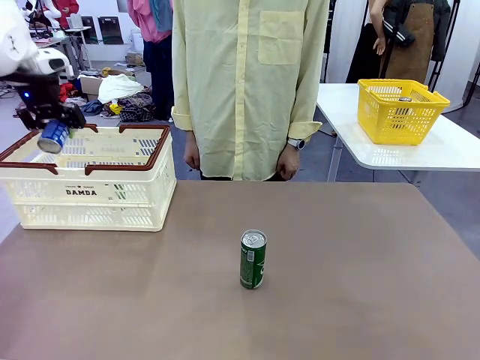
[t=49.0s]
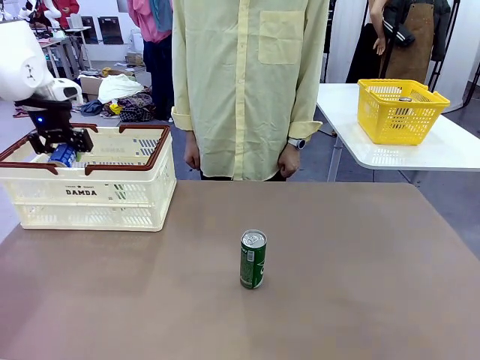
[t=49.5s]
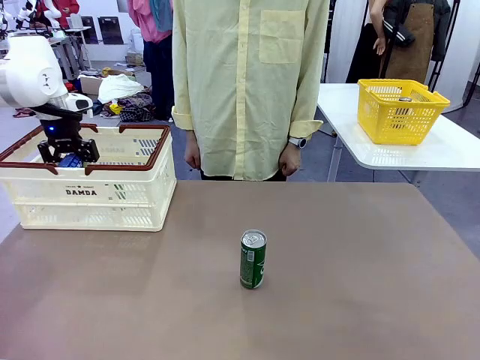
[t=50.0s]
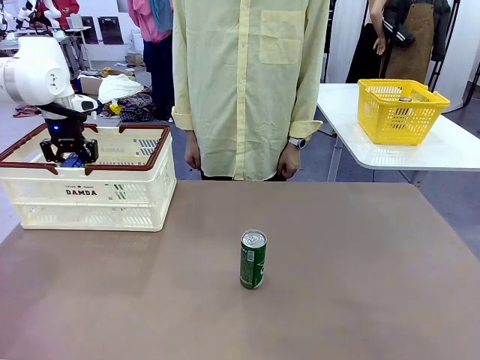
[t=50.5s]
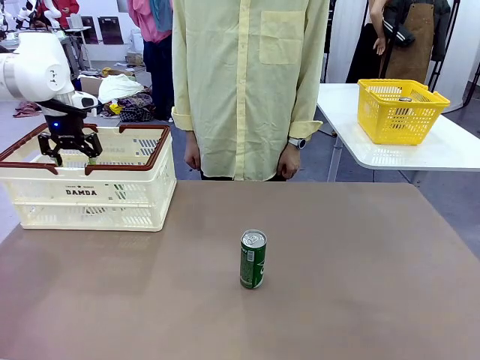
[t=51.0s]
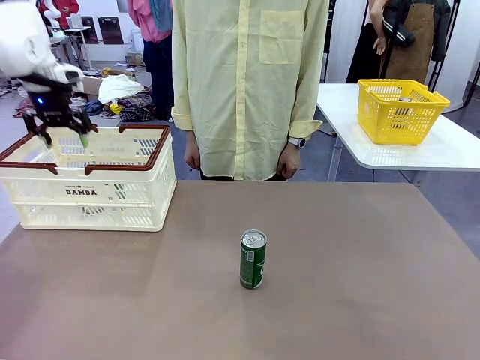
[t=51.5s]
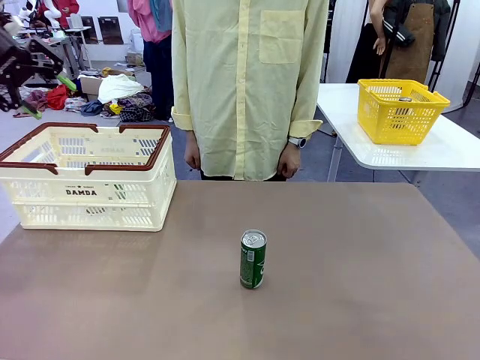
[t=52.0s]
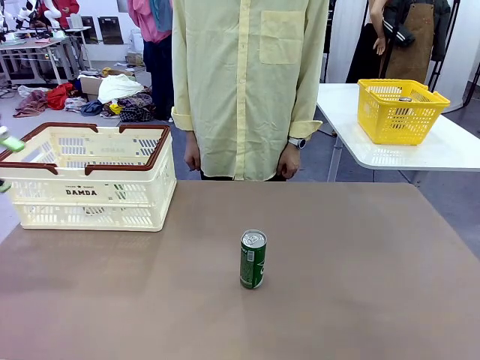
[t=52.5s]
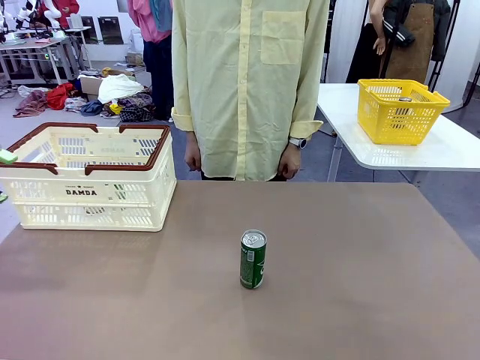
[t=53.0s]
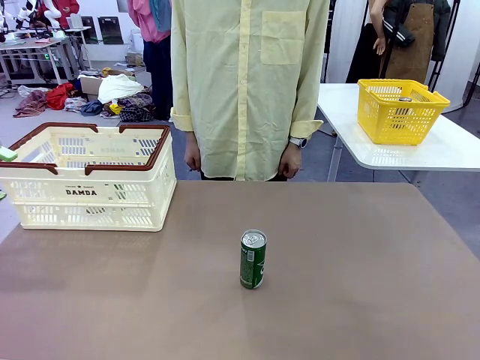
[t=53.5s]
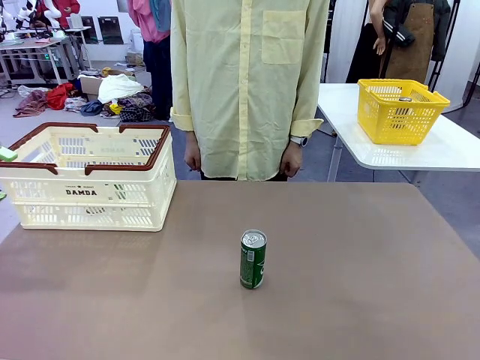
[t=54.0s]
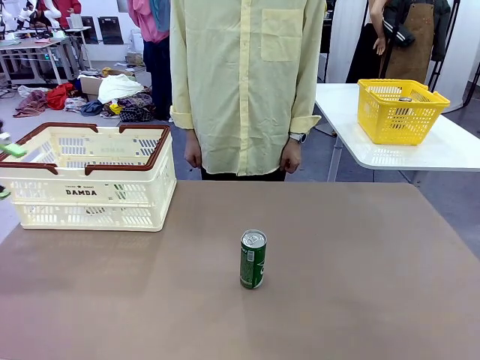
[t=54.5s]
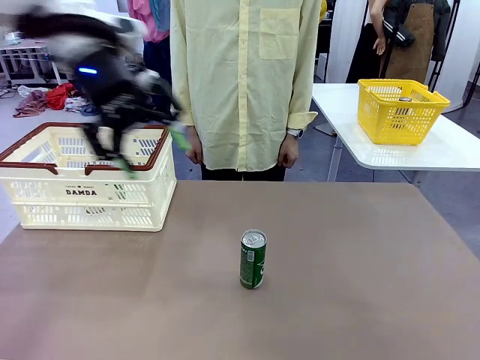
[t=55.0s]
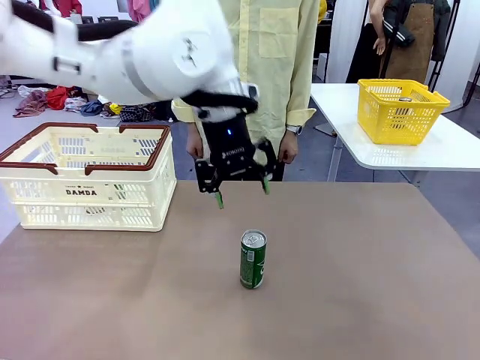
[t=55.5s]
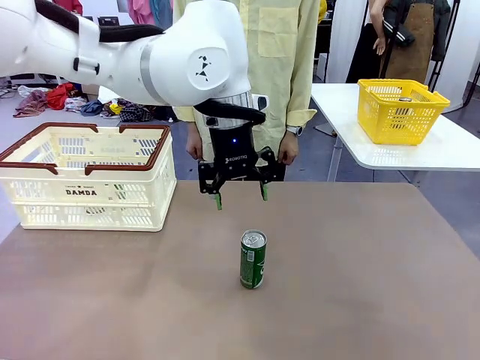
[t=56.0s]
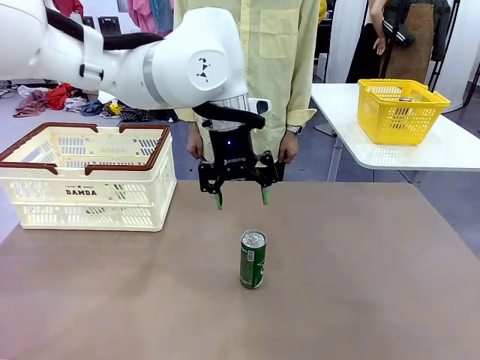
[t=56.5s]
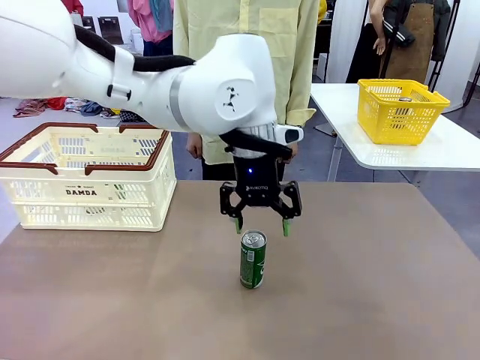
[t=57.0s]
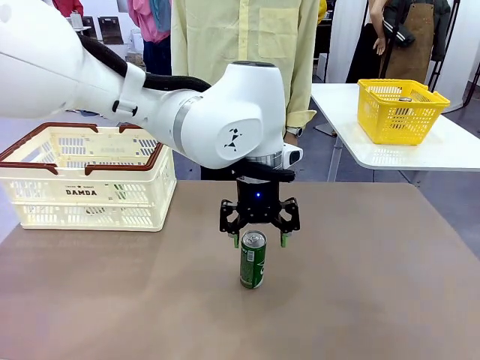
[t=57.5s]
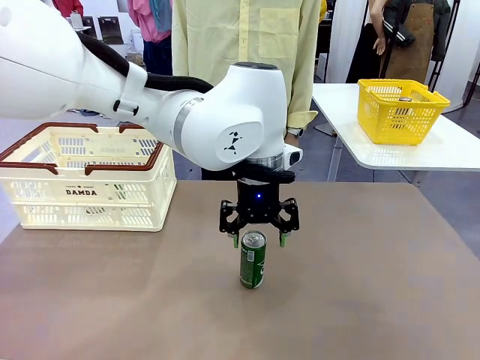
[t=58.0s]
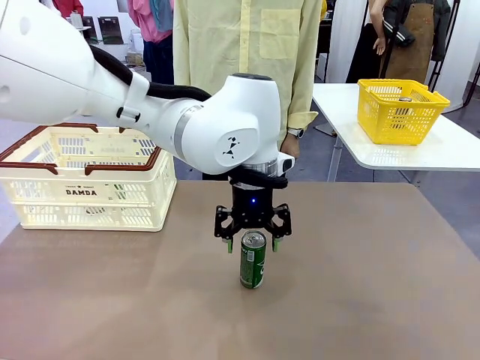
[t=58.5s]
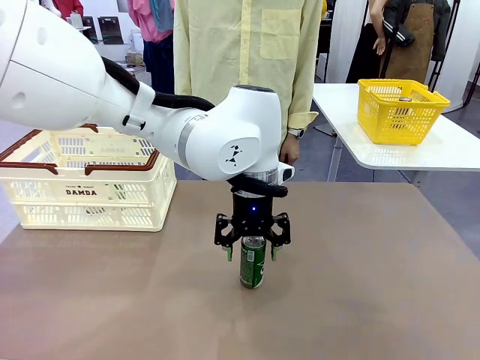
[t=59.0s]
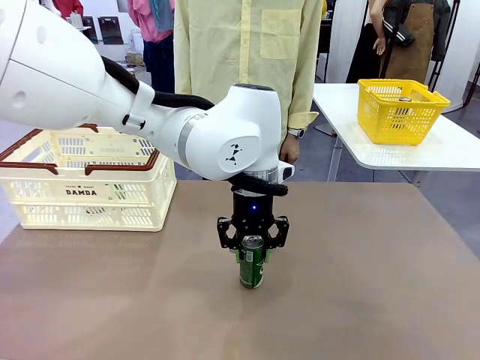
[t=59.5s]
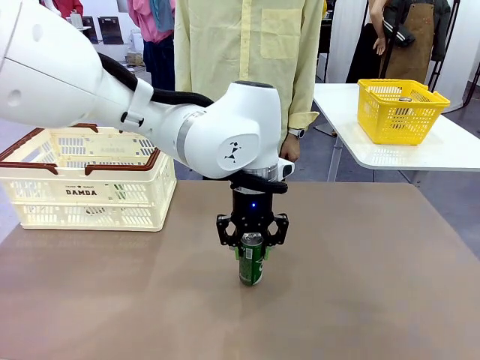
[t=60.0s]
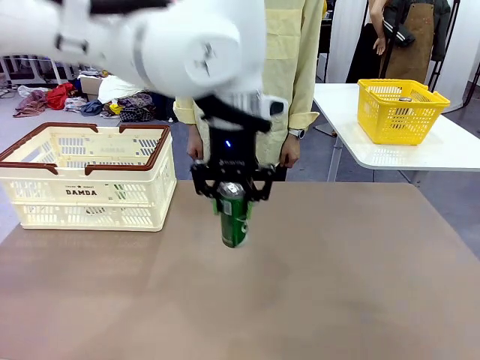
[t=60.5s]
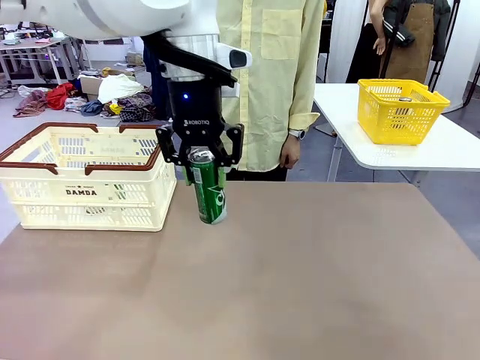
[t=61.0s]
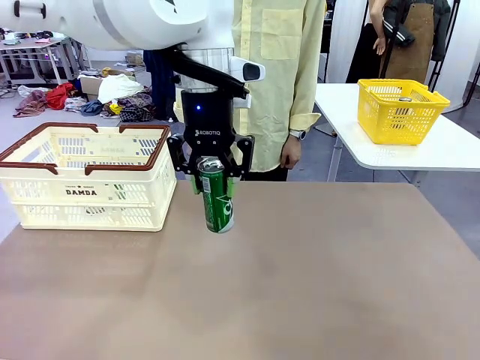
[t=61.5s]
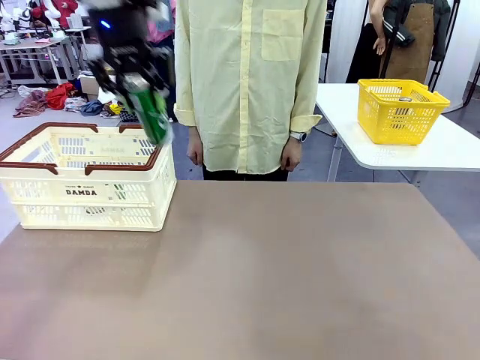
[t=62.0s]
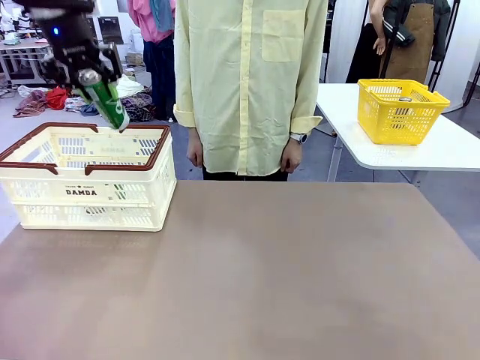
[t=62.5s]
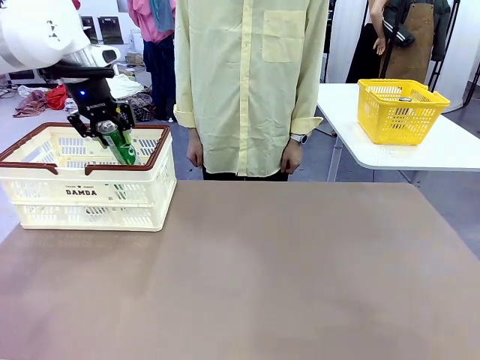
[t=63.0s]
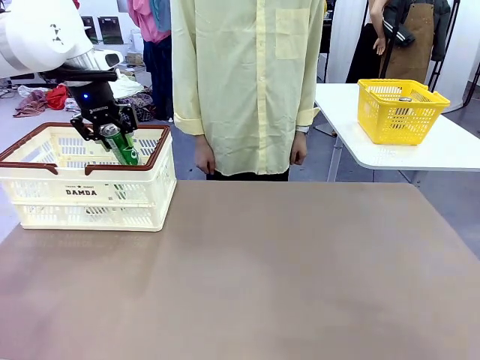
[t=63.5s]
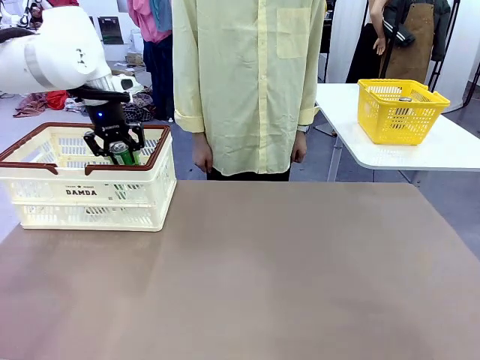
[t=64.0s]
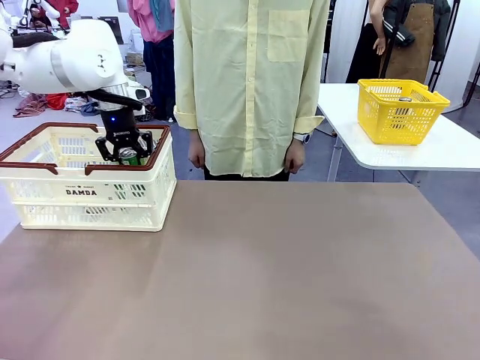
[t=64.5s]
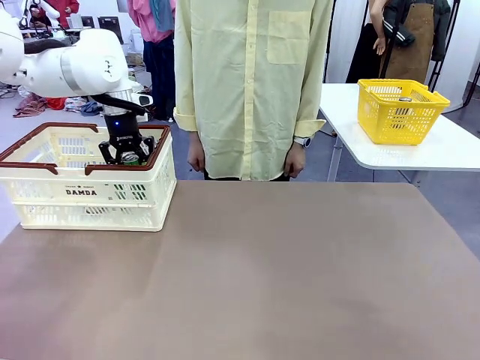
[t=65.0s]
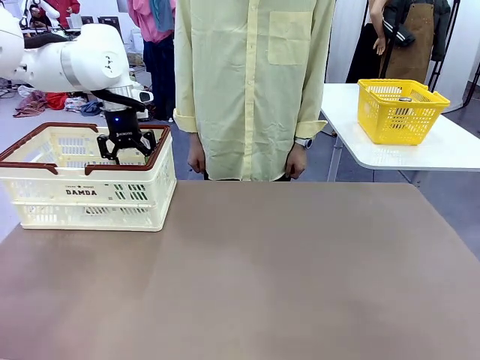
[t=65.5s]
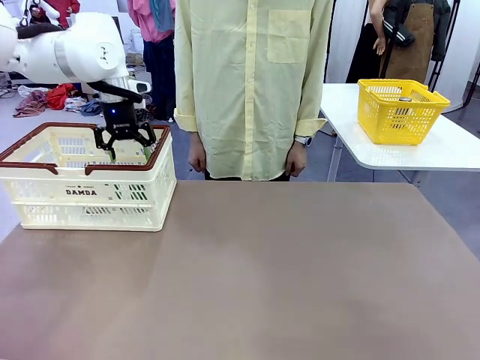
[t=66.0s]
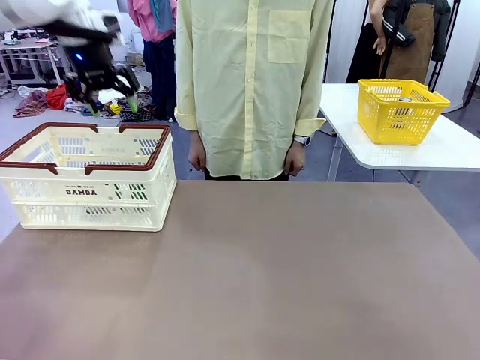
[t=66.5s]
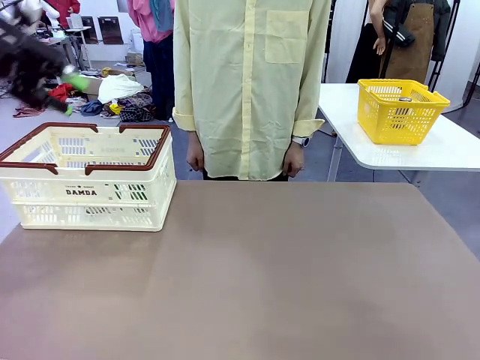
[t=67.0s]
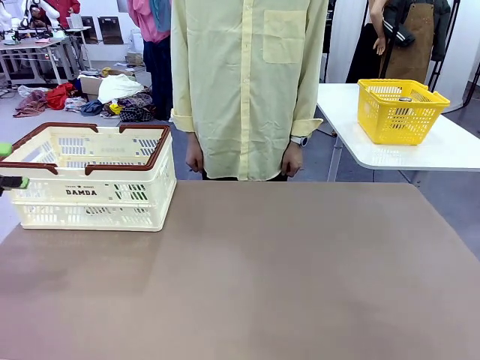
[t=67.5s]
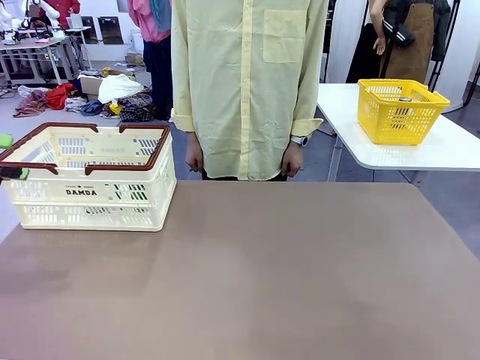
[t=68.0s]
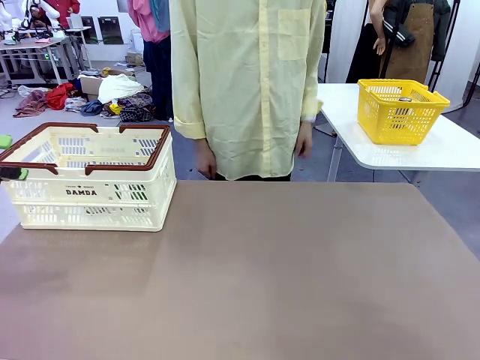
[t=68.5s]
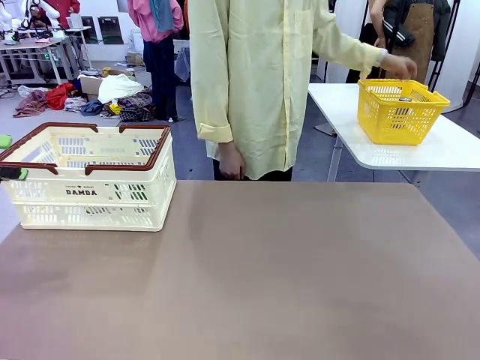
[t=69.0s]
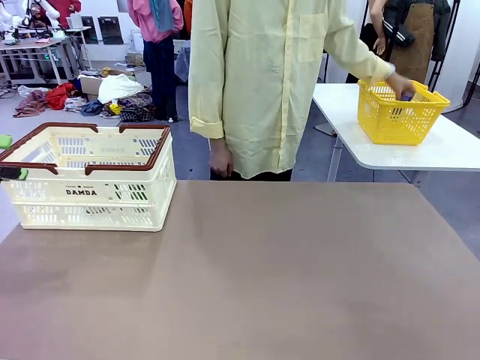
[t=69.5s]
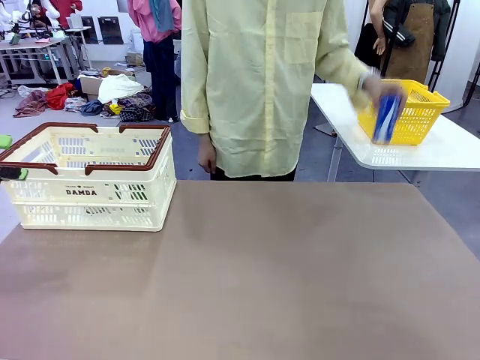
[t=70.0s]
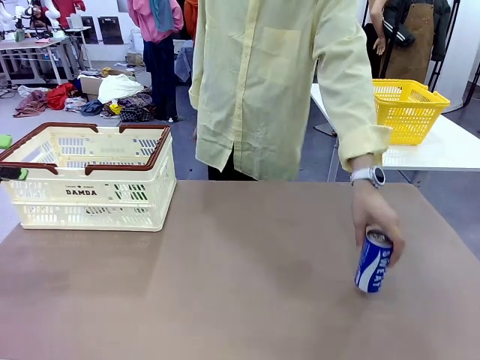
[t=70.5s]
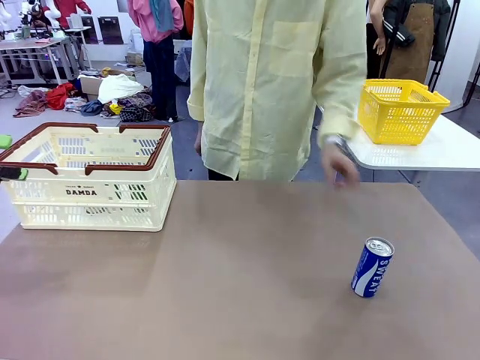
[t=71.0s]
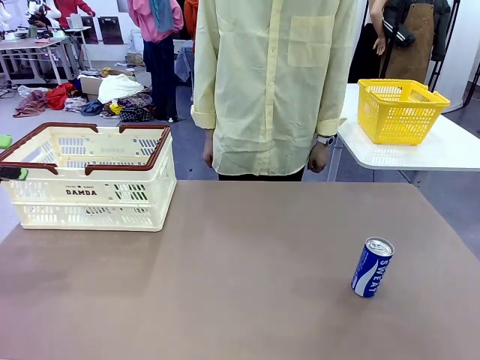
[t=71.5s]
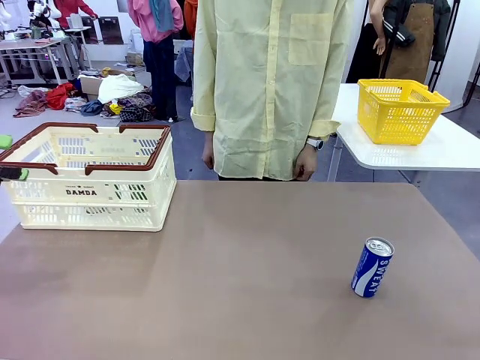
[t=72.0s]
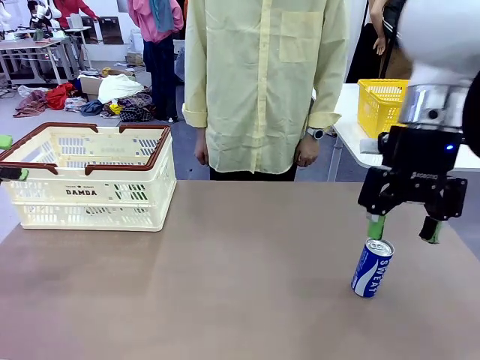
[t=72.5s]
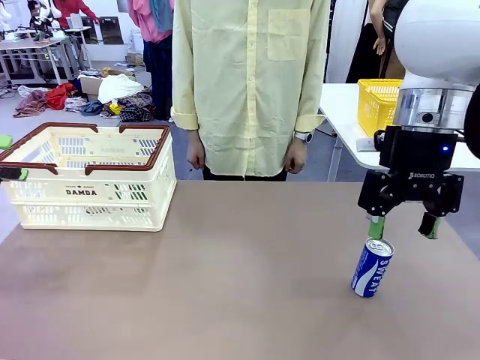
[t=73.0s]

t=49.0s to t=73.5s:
Task: Place the drinks into the Shopping basket.
Robot: Pick up one drink and place it into the Shopping basket.
